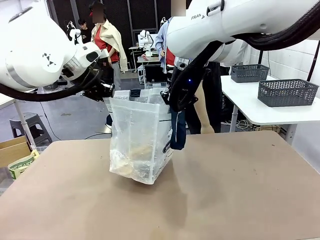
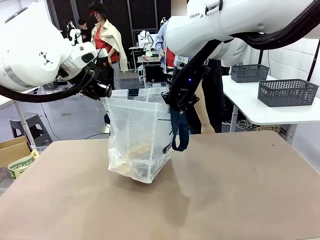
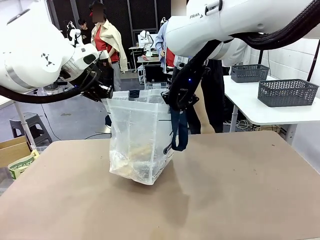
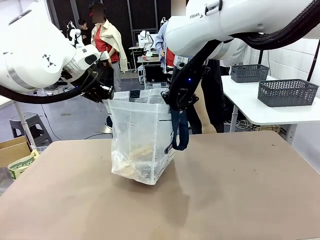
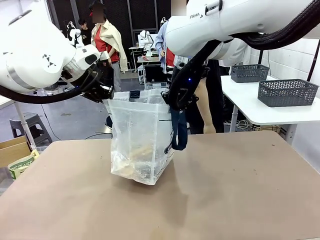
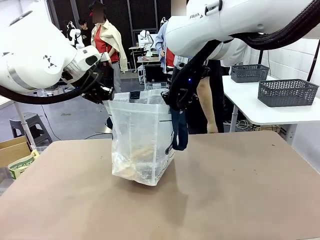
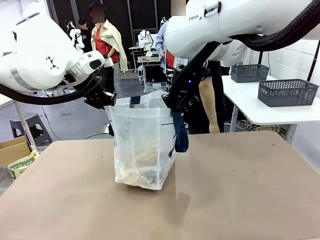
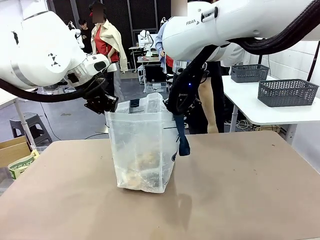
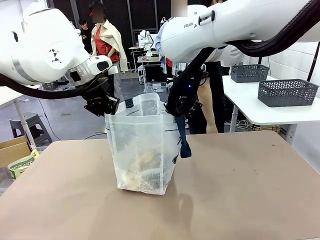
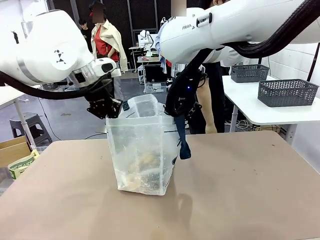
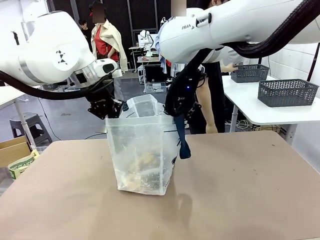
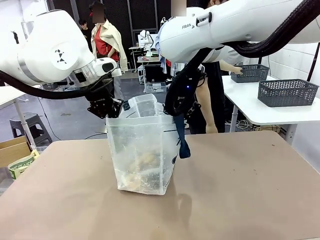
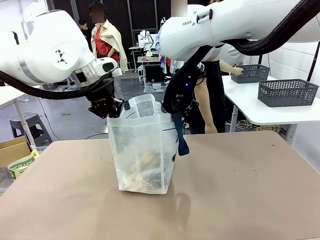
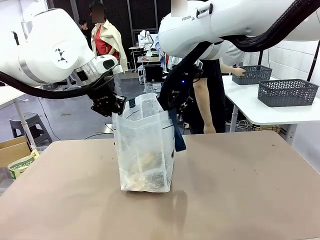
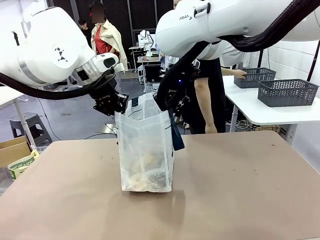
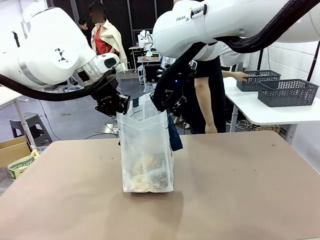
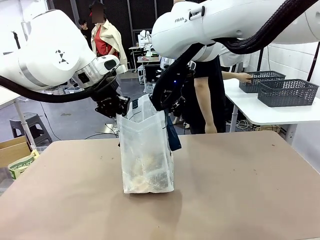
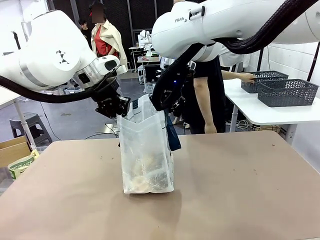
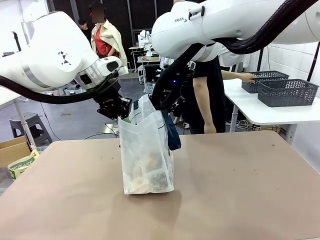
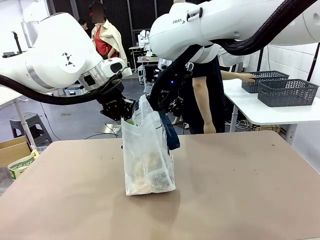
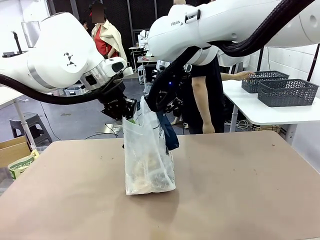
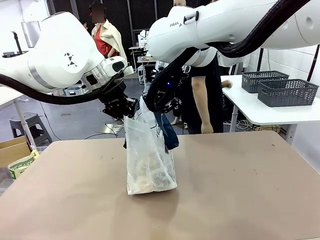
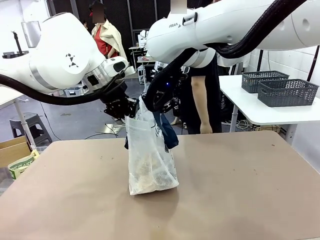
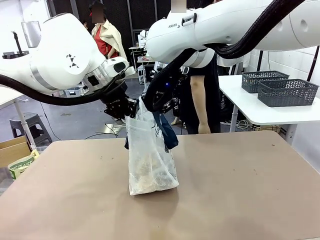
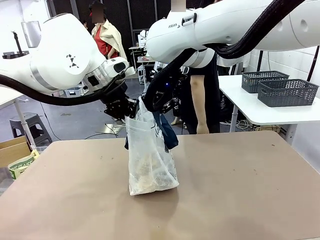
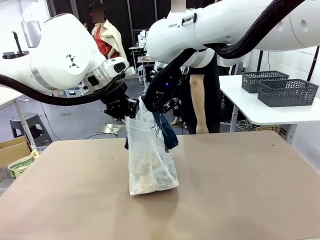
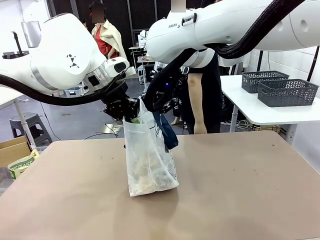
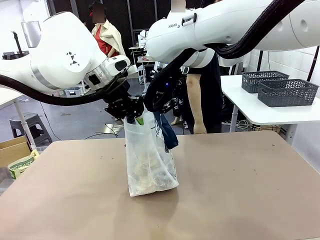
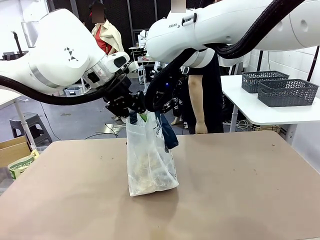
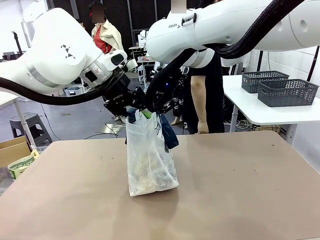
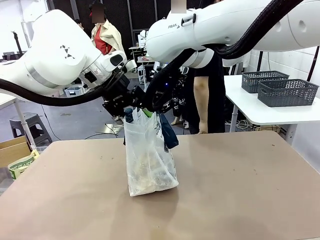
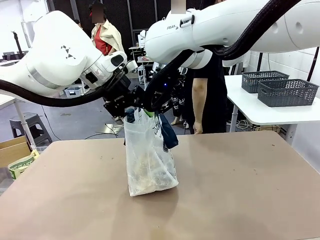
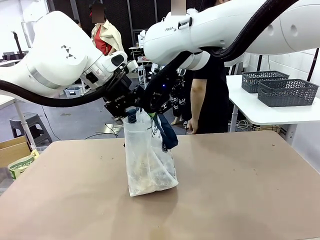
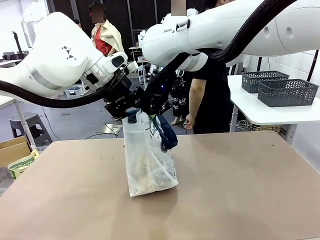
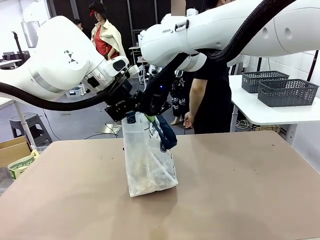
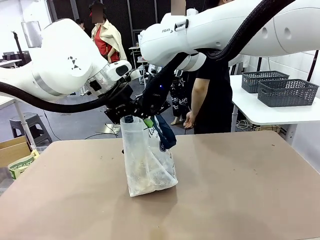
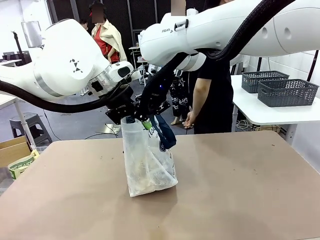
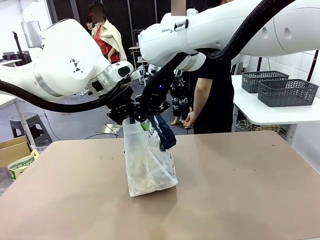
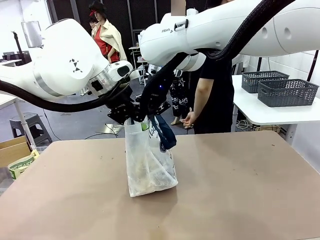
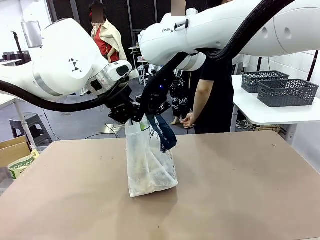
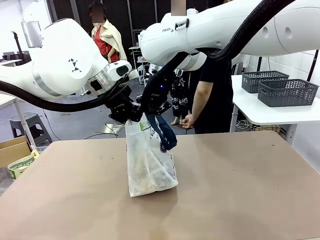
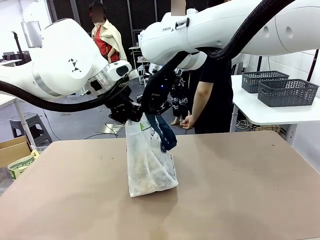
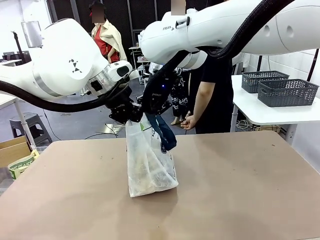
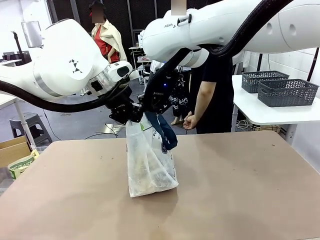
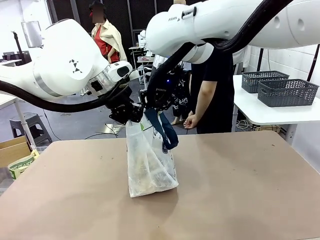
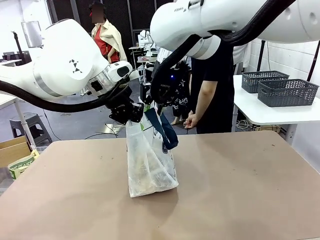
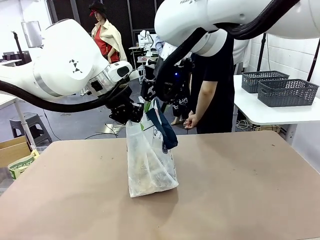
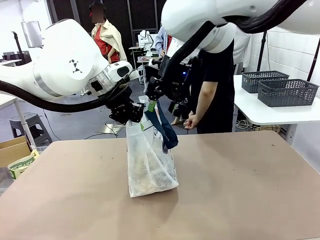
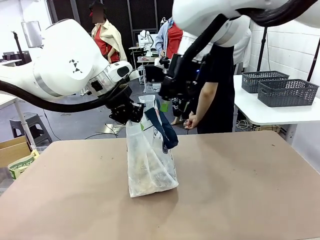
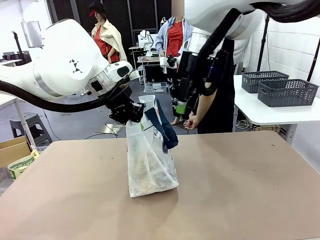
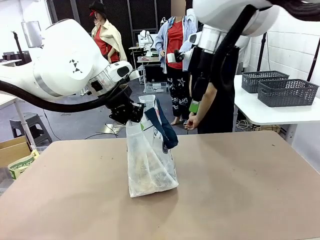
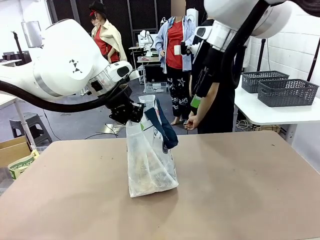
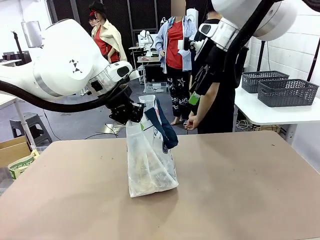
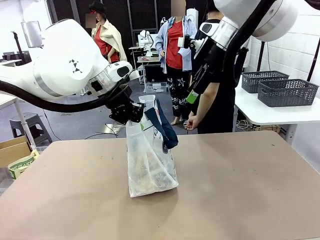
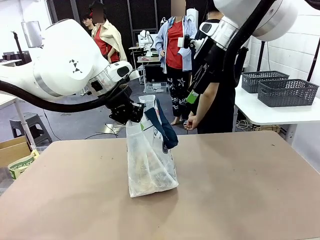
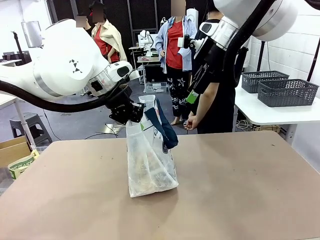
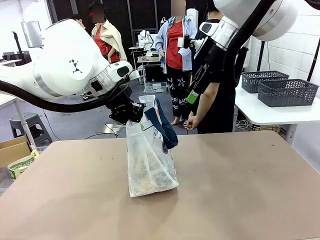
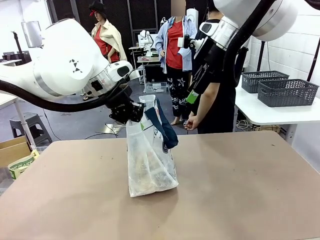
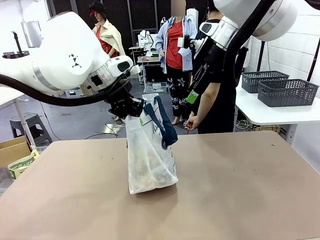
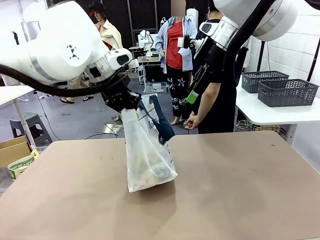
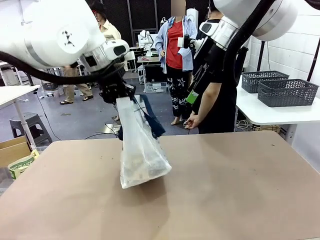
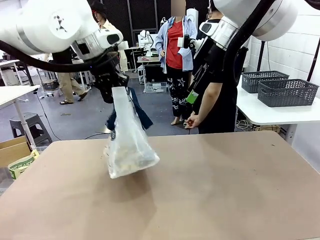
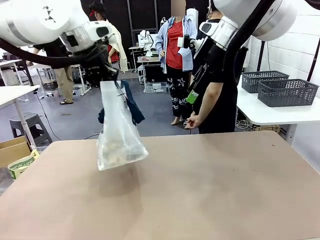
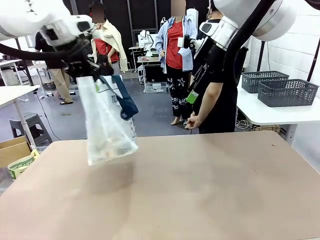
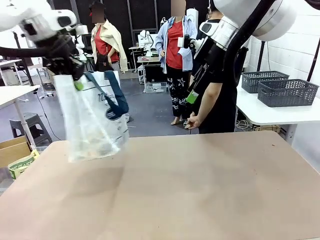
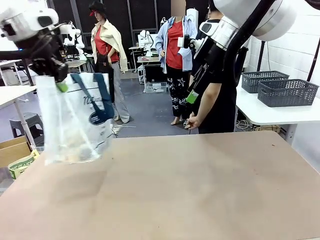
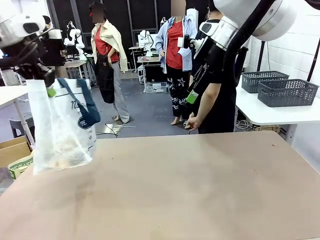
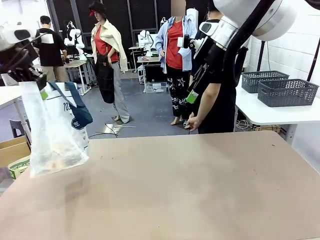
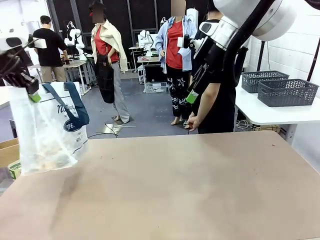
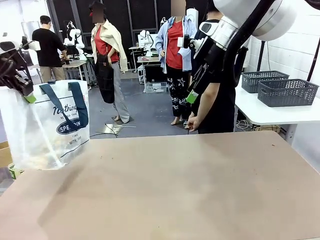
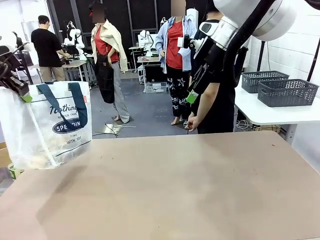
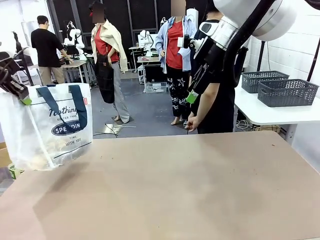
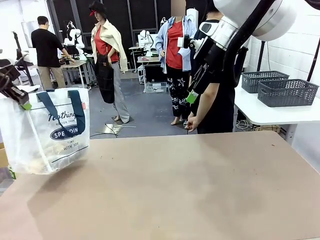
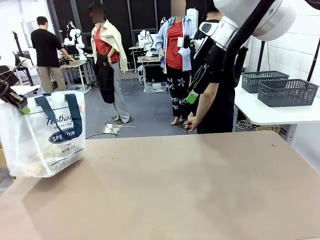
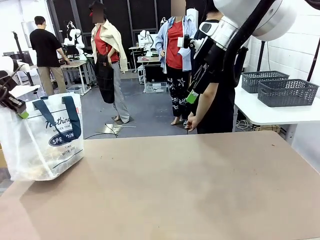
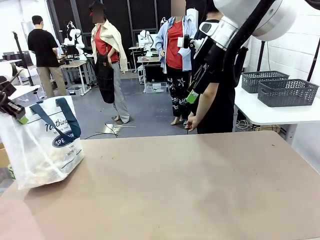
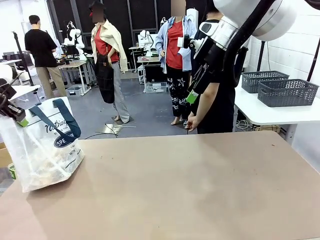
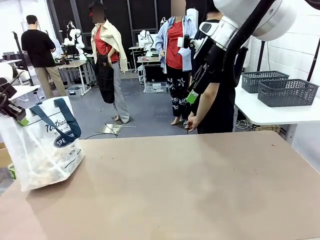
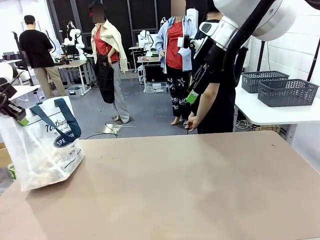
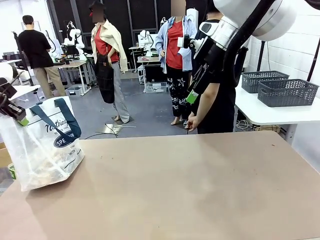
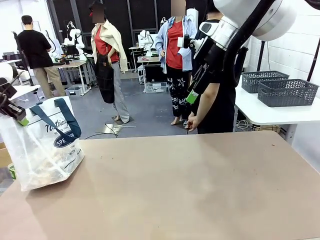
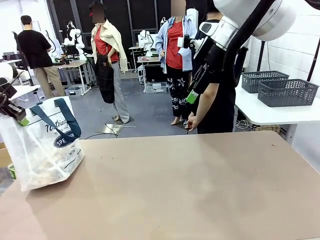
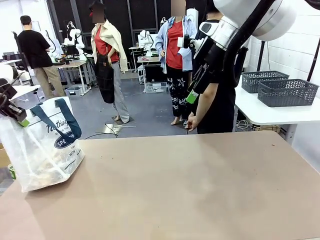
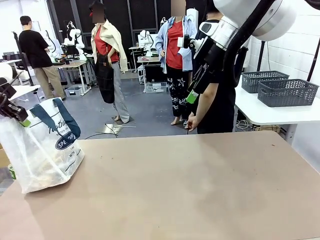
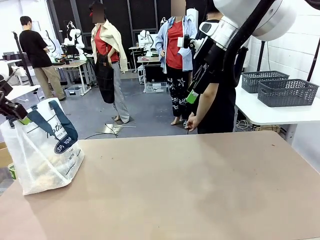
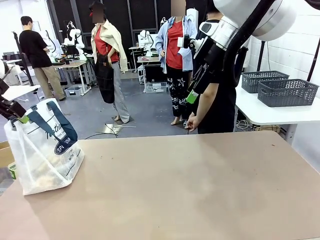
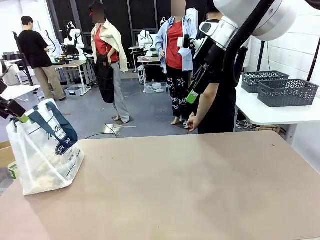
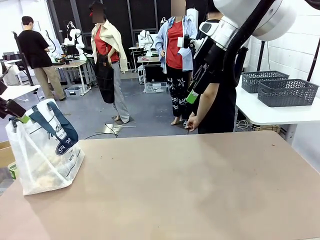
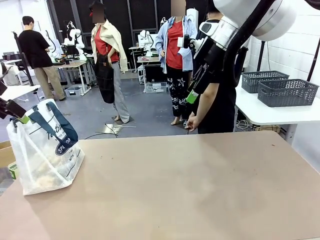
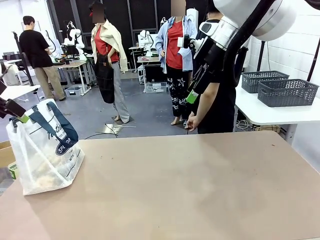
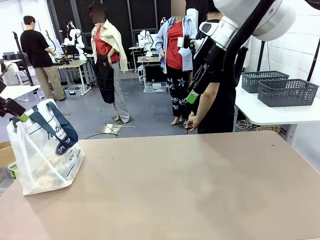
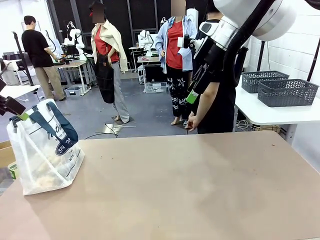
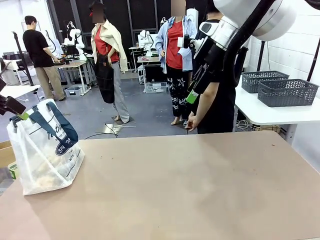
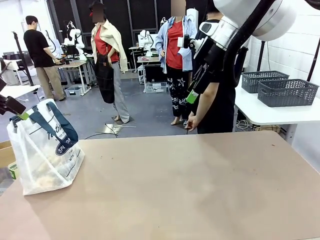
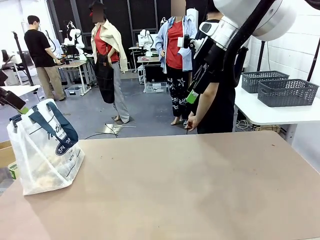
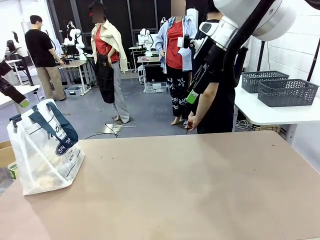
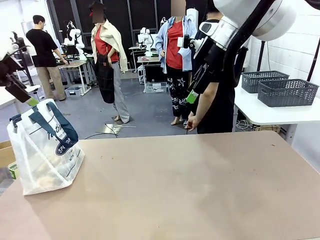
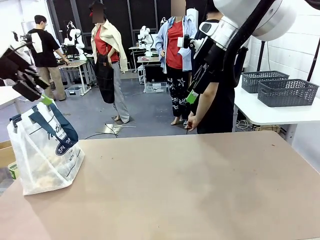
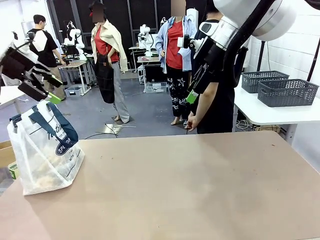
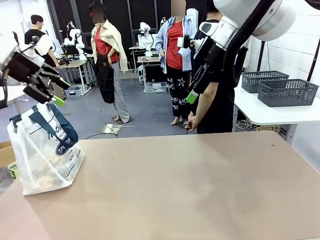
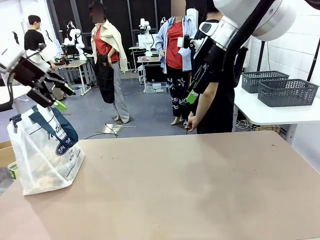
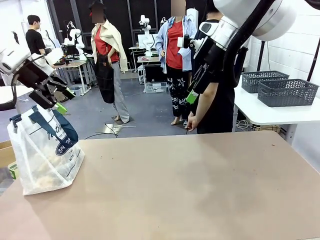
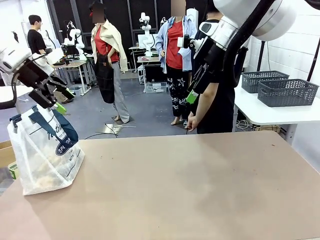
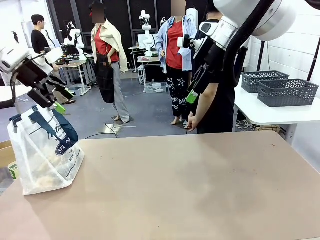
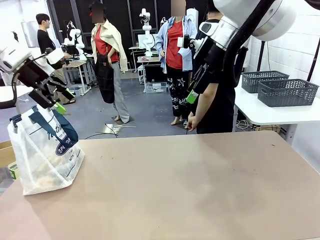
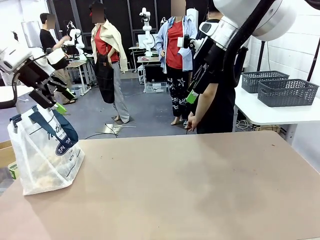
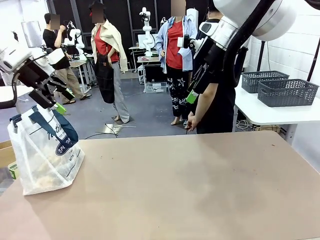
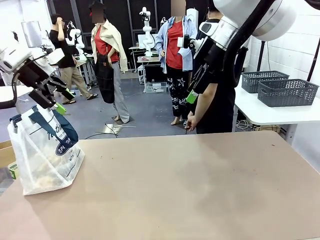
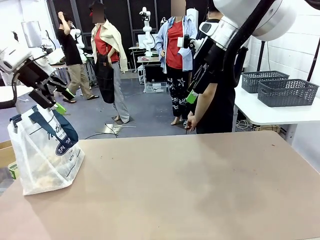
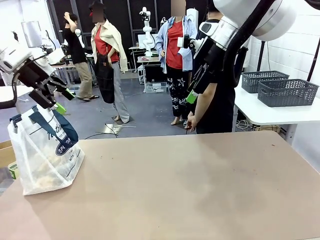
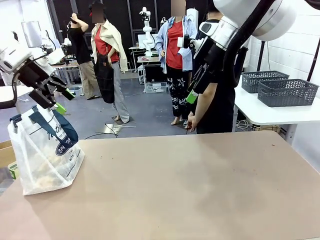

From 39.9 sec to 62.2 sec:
Task: Transfer purchased items from the store into the shopping bag.
Robot: Move the Reusable shopping bag to the right side of the table.
Person: Move the basket on the left to the middle of the person's table.
